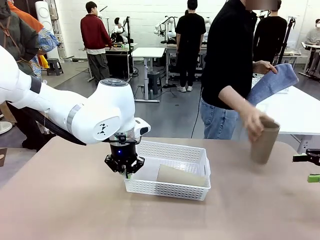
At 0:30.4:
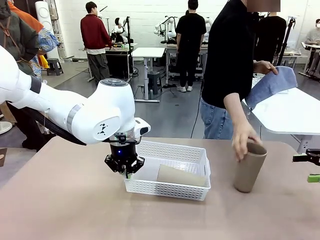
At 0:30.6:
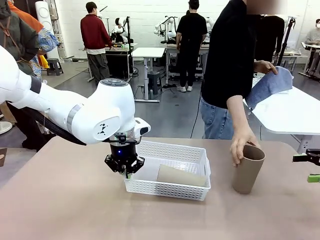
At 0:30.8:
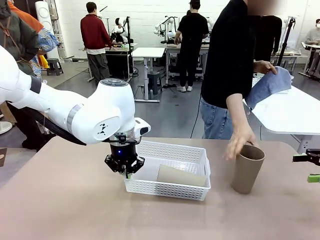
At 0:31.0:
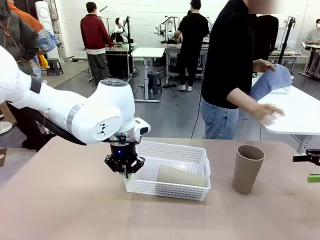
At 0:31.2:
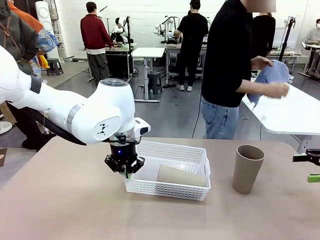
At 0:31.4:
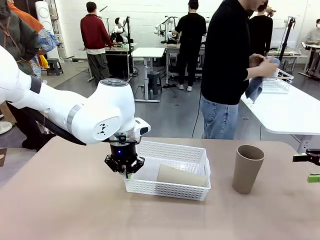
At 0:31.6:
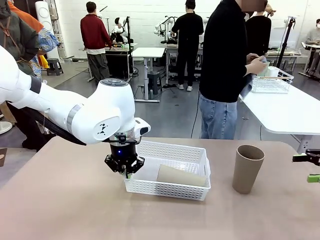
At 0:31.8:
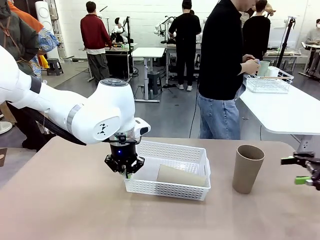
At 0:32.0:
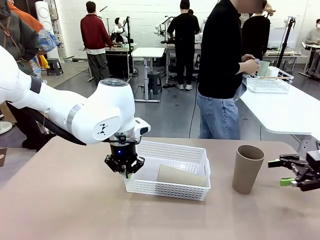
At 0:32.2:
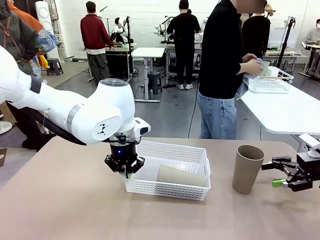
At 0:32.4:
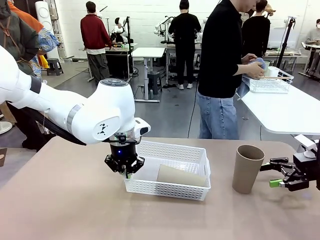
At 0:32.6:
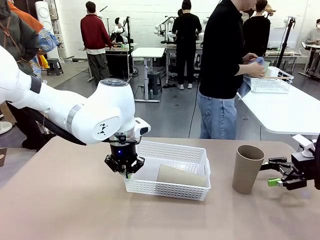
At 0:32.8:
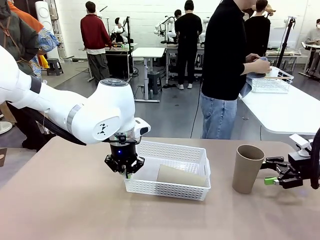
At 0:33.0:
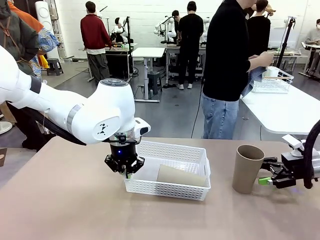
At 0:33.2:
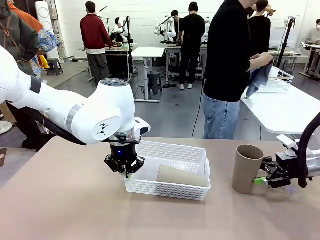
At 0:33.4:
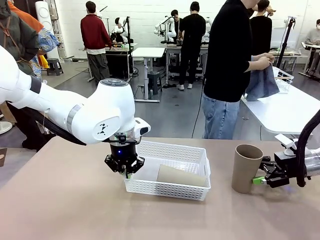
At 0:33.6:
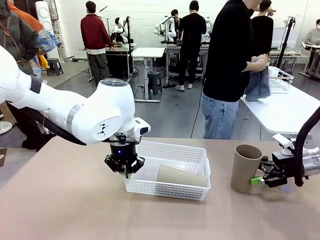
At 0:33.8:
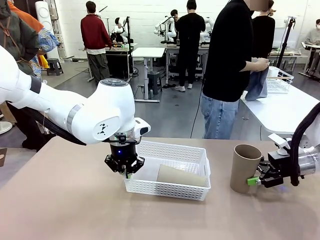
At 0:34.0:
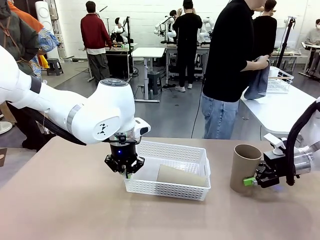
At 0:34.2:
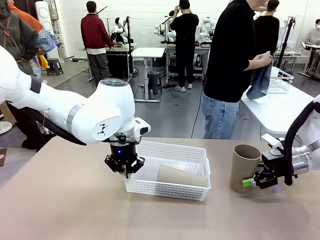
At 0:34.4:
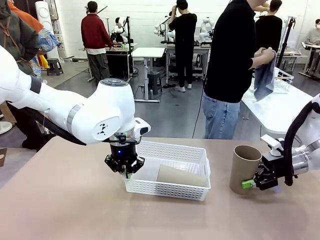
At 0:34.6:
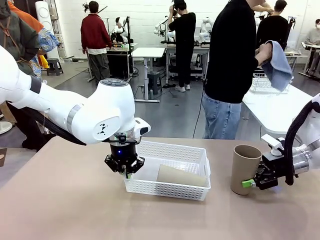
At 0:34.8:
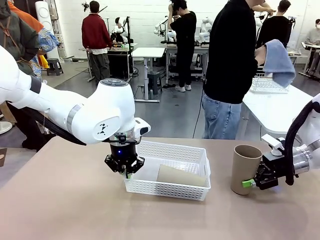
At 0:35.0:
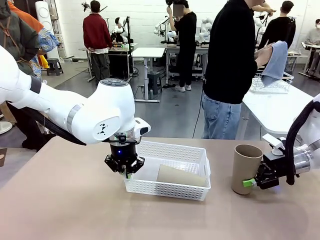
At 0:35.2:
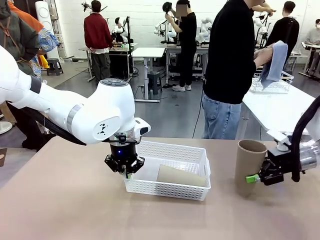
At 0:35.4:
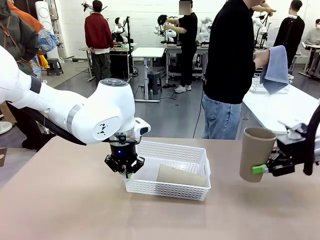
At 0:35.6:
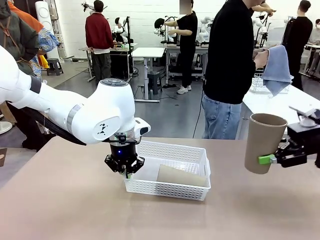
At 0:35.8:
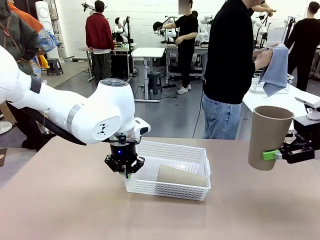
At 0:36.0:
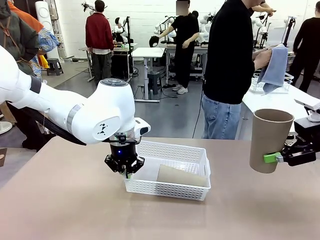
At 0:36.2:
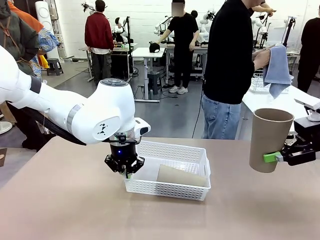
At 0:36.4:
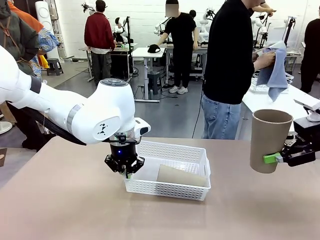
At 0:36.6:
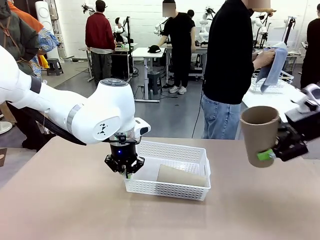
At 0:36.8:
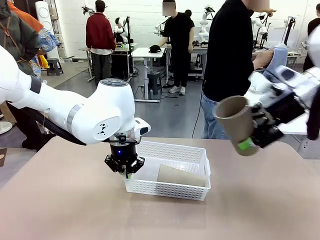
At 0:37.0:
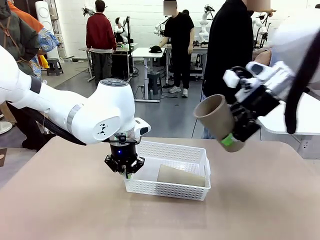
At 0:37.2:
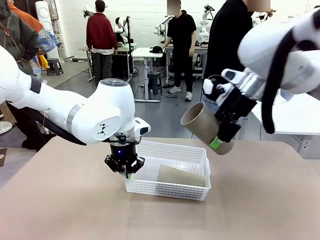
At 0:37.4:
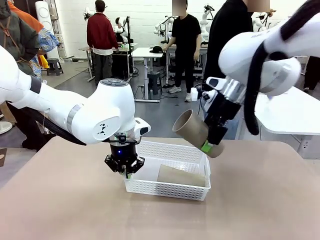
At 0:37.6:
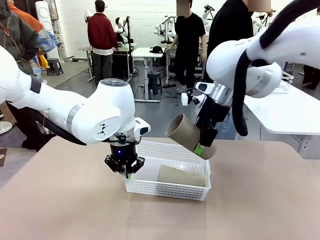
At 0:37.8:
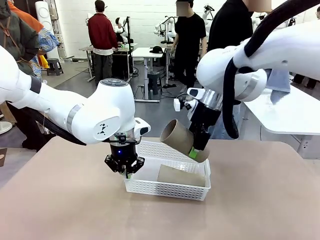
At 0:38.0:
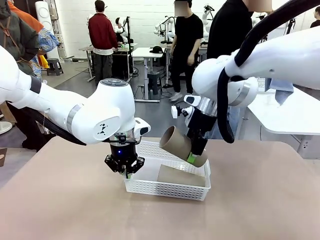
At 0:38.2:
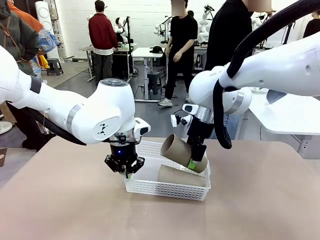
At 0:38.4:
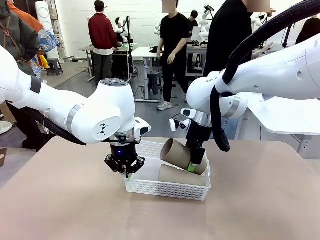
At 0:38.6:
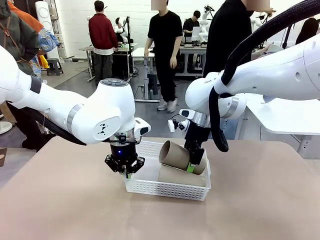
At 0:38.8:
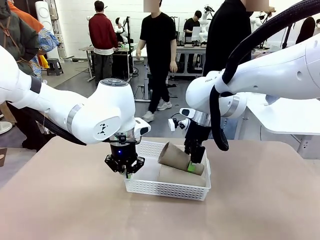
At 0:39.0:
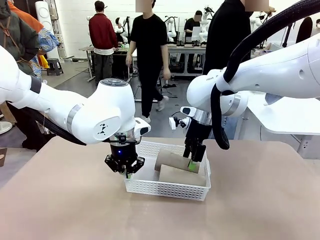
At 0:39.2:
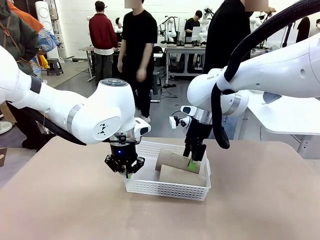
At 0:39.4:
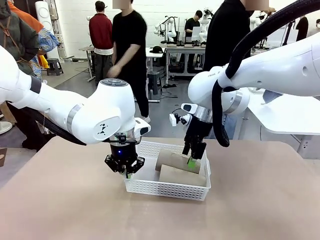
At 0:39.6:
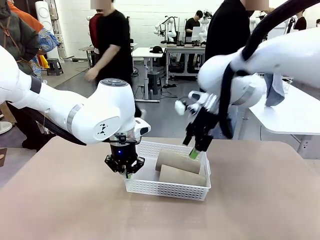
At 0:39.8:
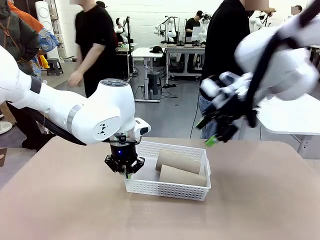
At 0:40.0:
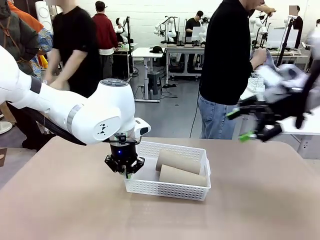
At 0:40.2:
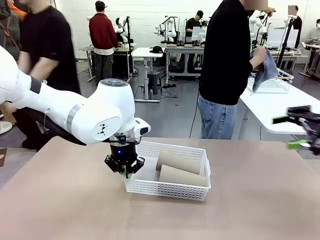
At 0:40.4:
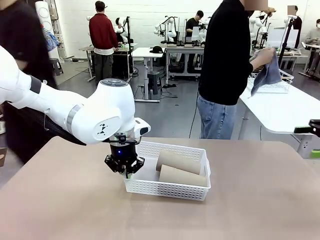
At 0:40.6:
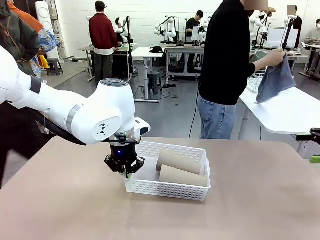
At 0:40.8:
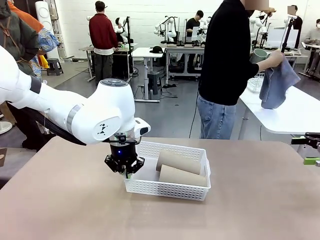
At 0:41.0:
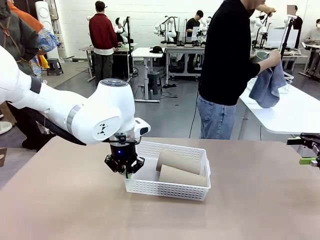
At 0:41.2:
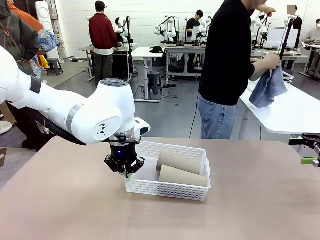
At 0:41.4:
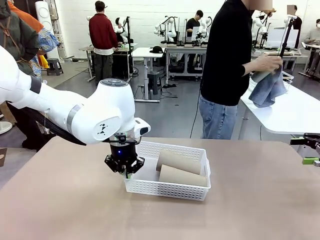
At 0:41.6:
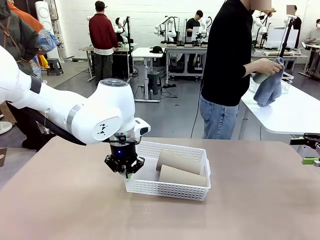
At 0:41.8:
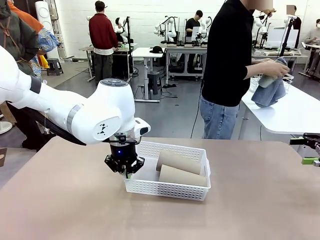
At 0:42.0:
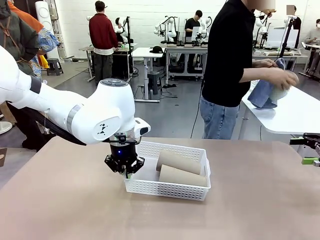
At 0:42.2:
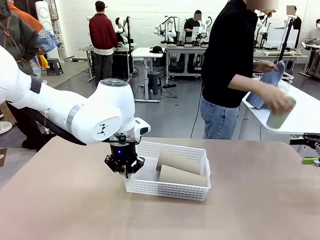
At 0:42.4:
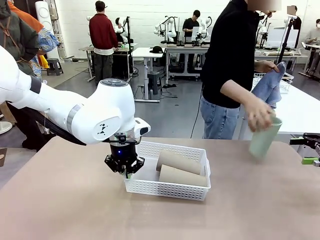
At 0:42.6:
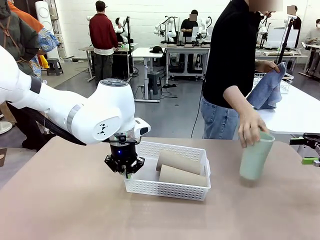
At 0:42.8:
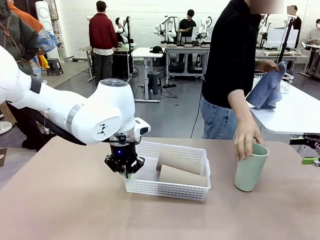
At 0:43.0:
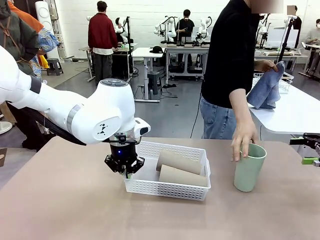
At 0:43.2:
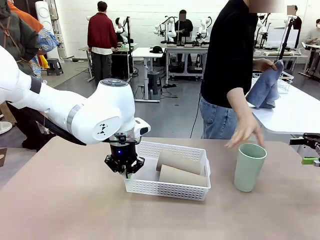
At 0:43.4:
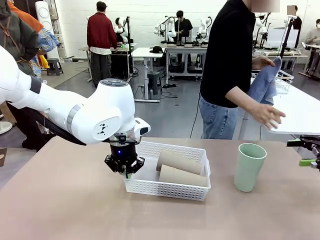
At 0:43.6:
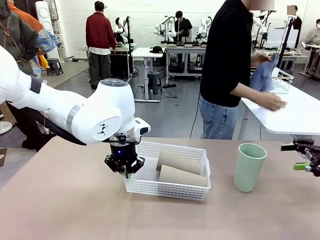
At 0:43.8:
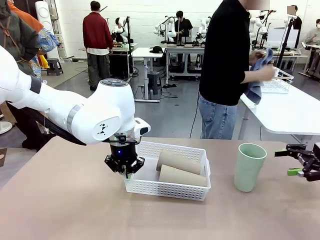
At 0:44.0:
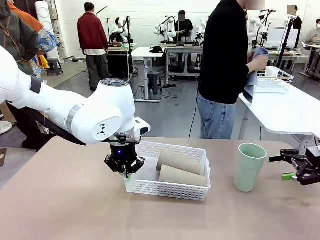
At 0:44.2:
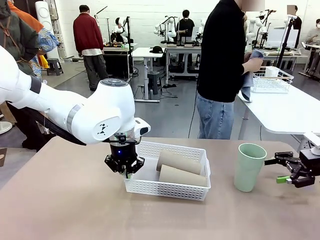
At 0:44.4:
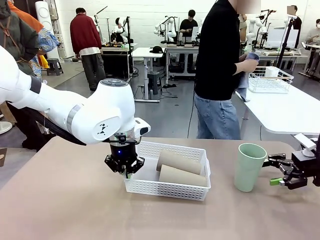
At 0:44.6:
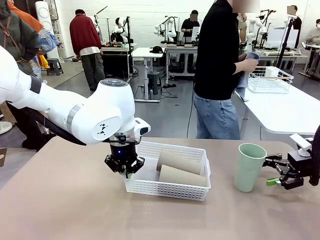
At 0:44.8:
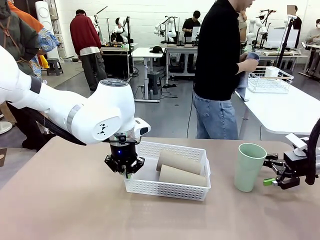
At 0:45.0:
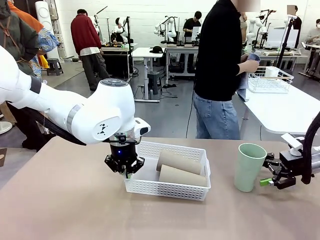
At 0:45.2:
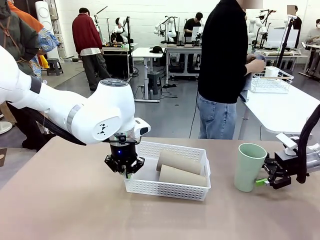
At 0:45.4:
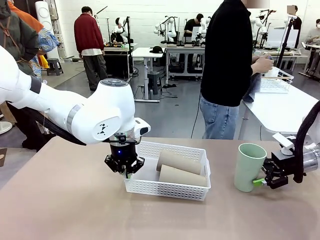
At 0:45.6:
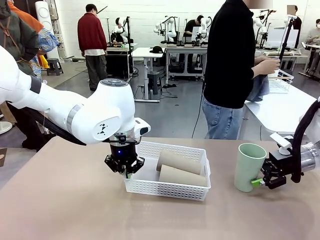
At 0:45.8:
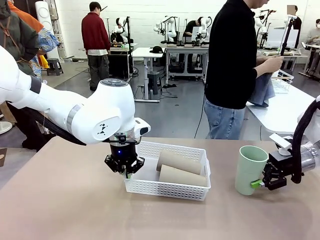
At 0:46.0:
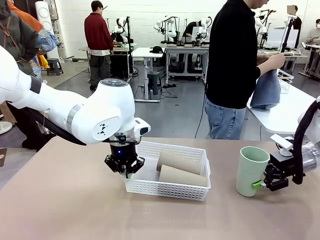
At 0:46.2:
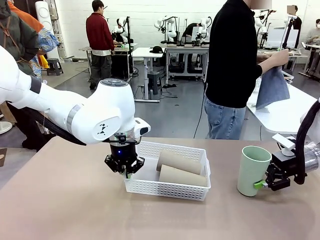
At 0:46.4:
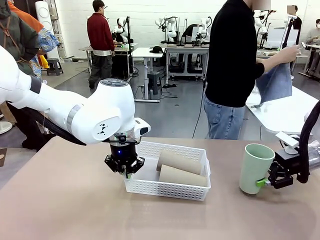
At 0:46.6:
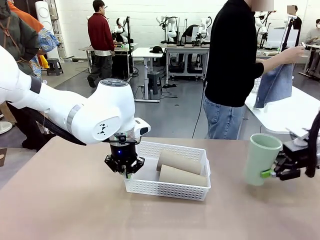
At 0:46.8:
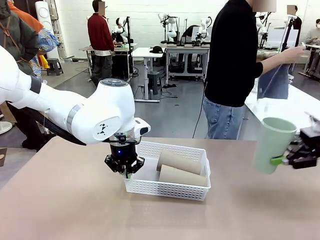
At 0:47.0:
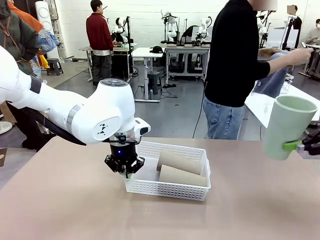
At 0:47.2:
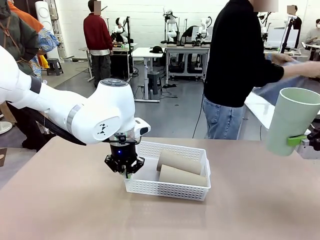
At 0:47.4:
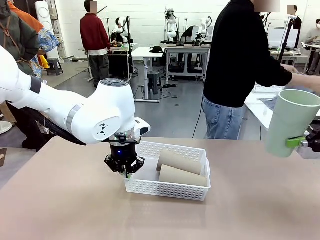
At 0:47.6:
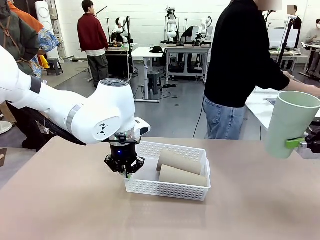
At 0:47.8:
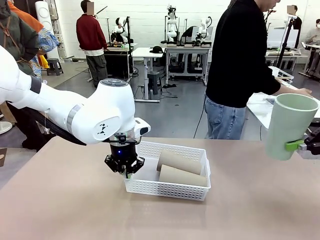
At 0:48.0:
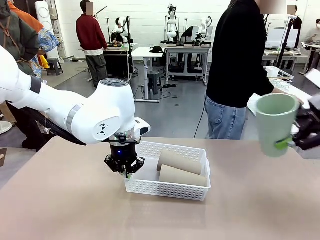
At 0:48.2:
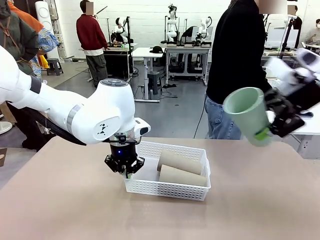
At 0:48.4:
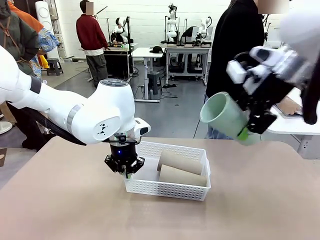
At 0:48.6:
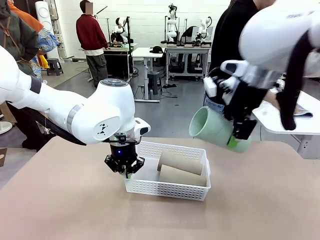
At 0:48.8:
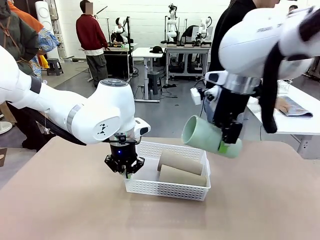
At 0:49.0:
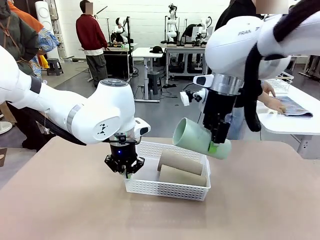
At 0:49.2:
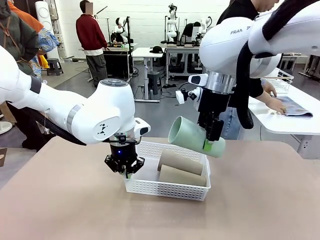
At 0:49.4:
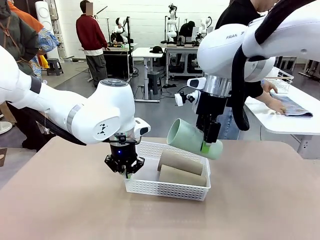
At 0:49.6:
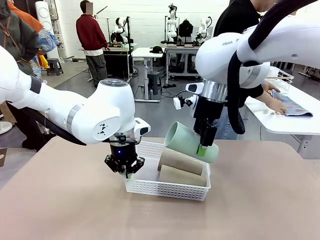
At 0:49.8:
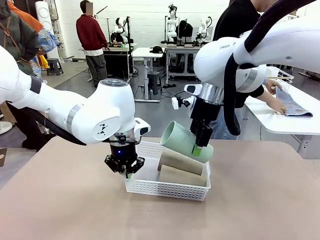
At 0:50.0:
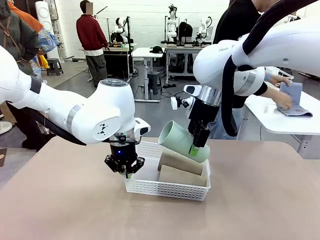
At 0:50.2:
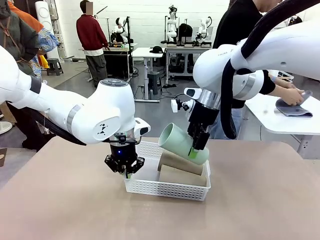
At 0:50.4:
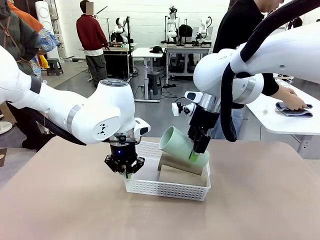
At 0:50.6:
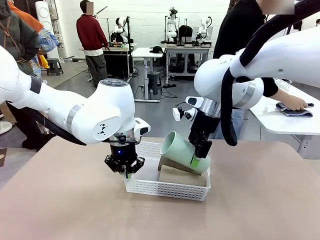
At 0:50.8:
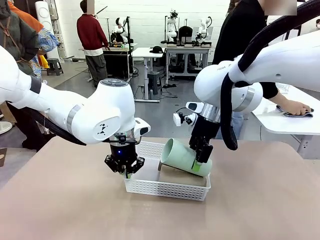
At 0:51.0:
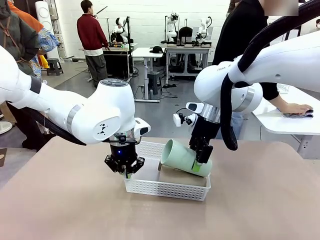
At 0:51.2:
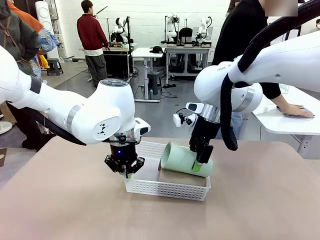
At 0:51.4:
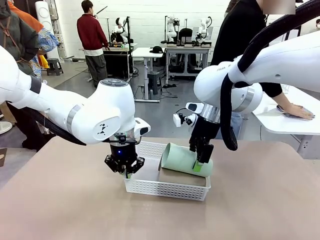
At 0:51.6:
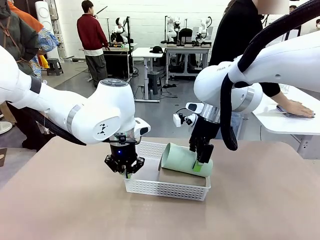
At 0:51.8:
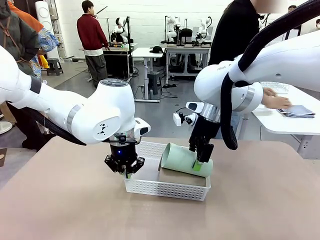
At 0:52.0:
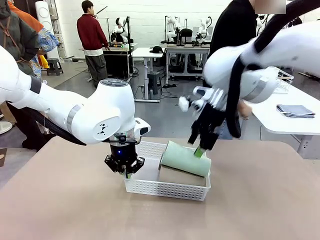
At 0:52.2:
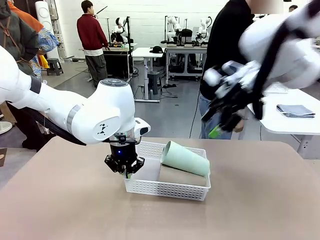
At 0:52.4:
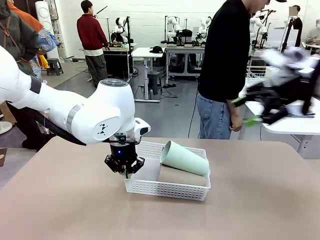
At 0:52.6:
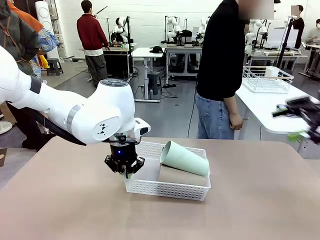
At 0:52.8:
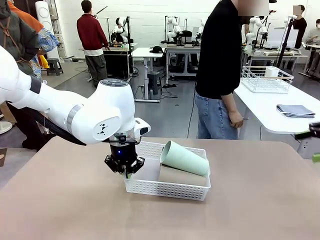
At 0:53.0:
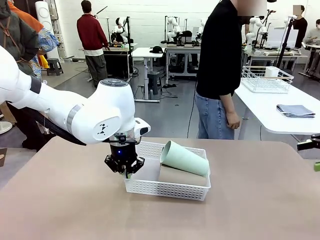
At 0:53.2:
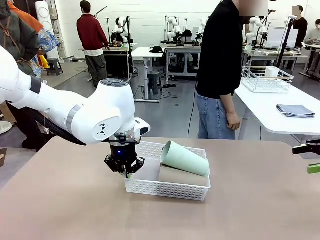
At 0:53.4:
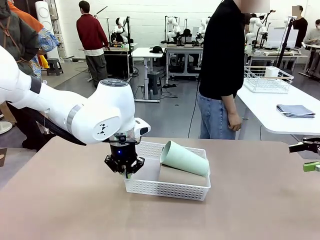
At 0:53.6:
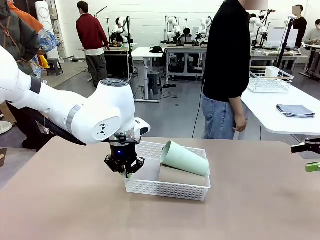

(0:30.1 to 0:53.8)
Task: Clean and organize the cups into the basket.
Robot: Pick up the Reusable plastic cup from the right side of the table and stack it inside the Organizing basket in the center of the table.
